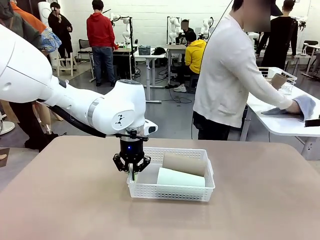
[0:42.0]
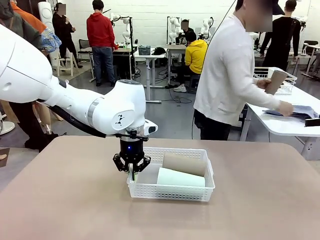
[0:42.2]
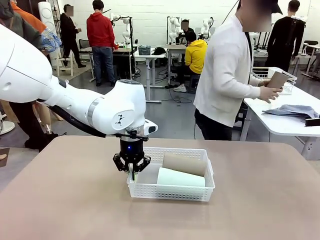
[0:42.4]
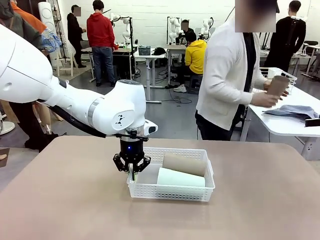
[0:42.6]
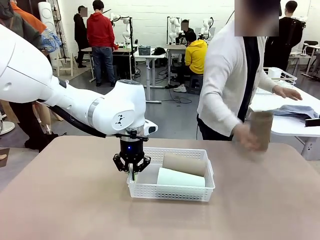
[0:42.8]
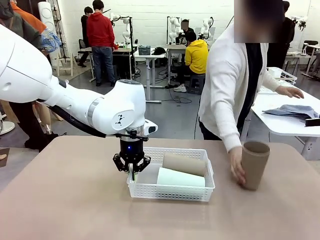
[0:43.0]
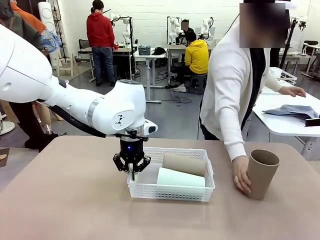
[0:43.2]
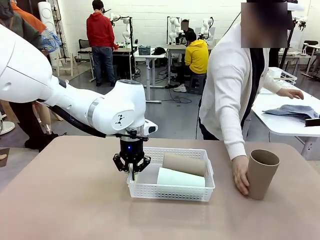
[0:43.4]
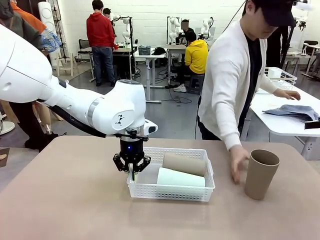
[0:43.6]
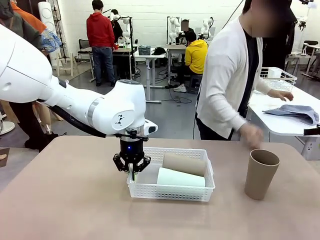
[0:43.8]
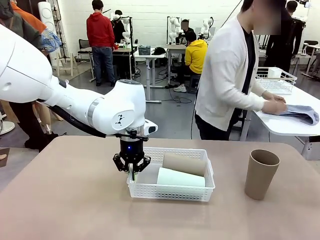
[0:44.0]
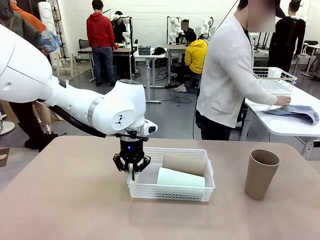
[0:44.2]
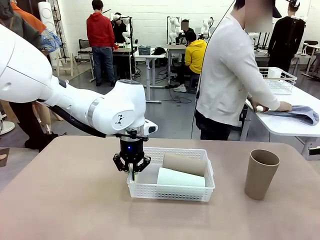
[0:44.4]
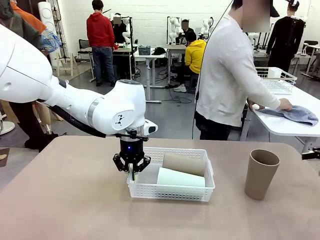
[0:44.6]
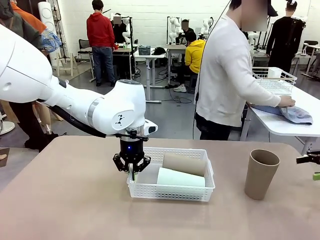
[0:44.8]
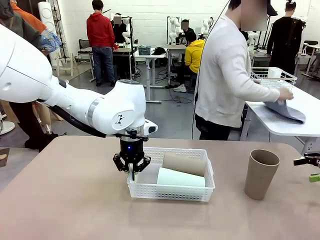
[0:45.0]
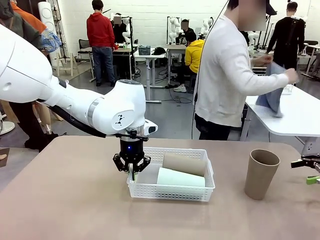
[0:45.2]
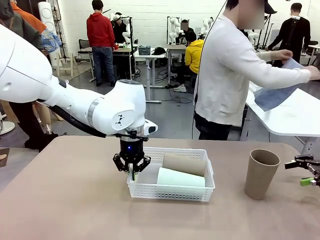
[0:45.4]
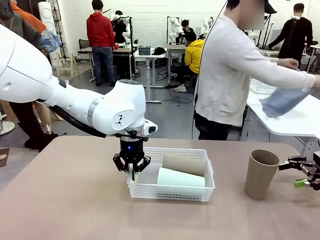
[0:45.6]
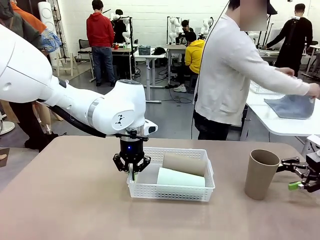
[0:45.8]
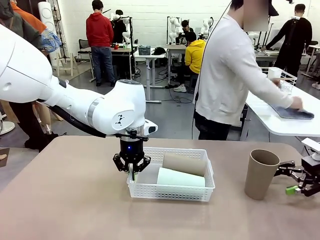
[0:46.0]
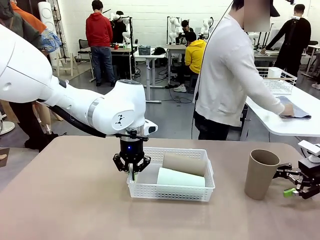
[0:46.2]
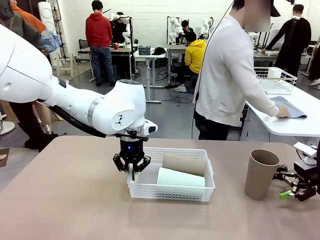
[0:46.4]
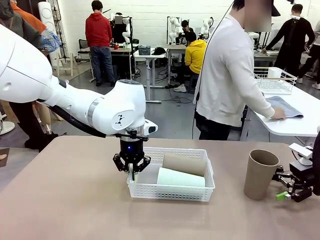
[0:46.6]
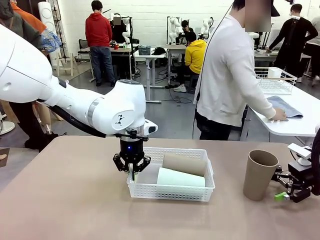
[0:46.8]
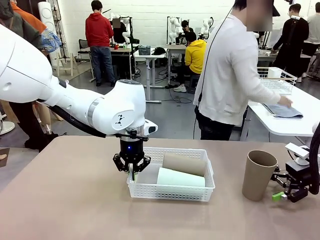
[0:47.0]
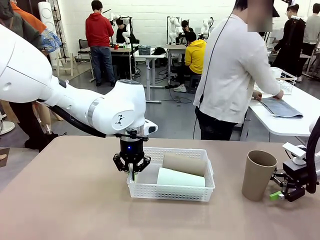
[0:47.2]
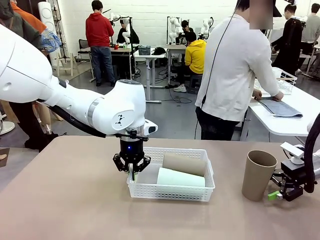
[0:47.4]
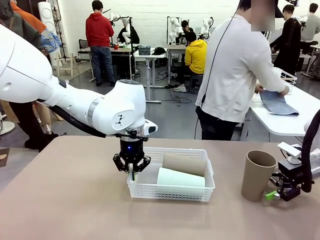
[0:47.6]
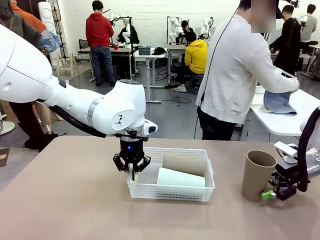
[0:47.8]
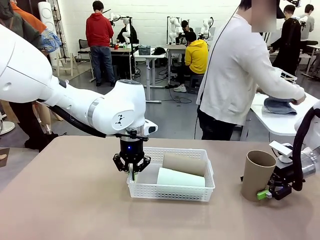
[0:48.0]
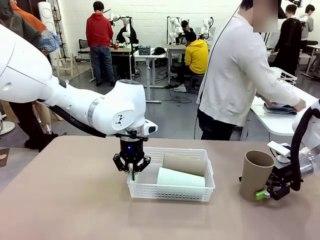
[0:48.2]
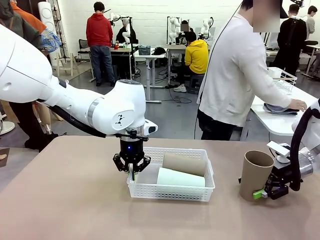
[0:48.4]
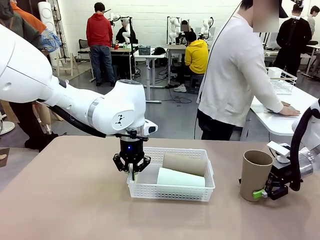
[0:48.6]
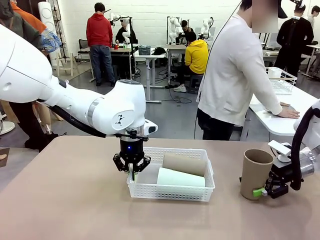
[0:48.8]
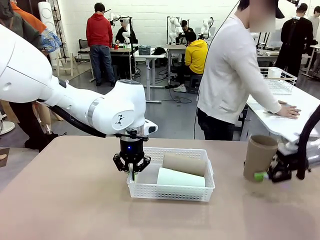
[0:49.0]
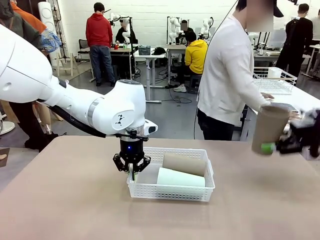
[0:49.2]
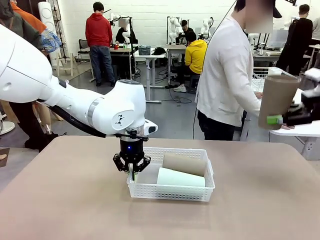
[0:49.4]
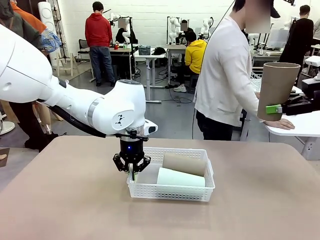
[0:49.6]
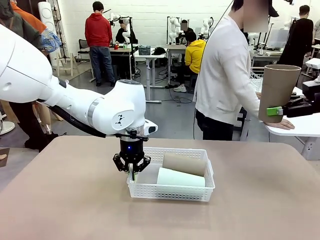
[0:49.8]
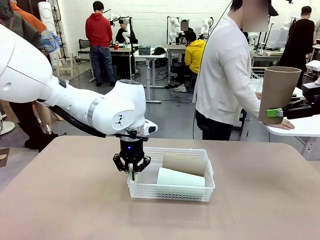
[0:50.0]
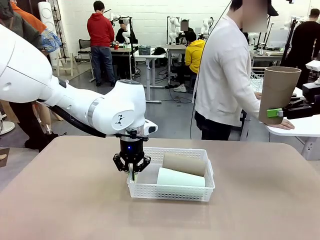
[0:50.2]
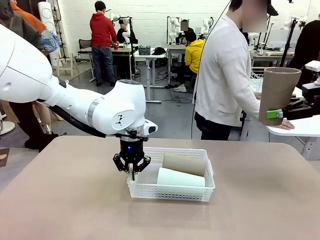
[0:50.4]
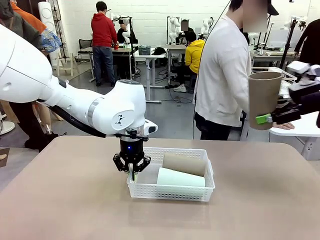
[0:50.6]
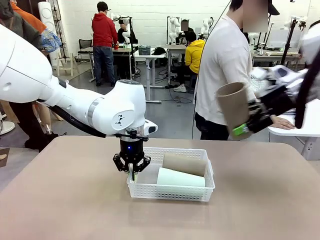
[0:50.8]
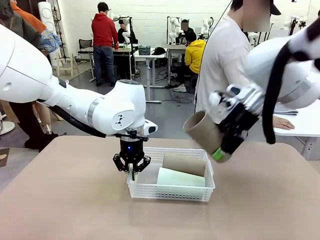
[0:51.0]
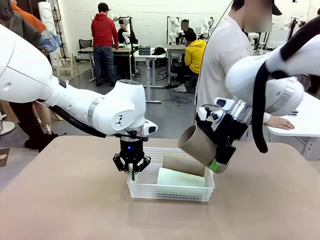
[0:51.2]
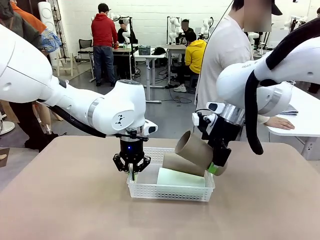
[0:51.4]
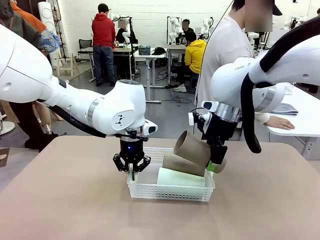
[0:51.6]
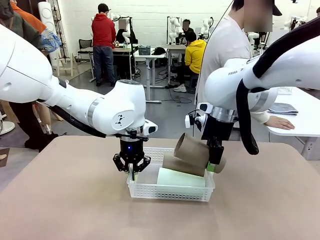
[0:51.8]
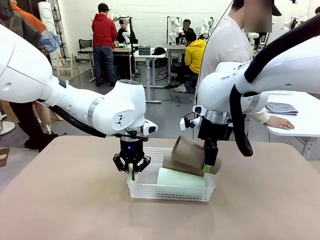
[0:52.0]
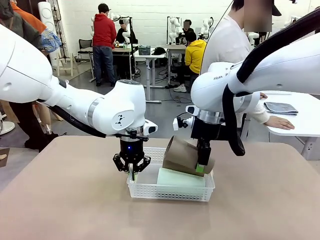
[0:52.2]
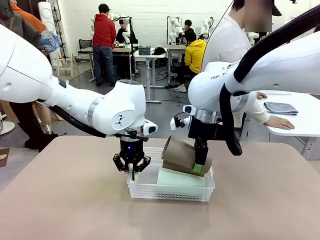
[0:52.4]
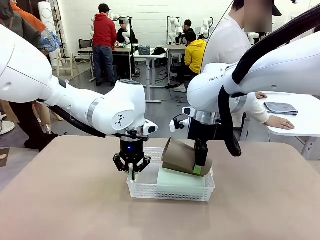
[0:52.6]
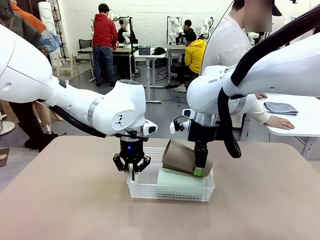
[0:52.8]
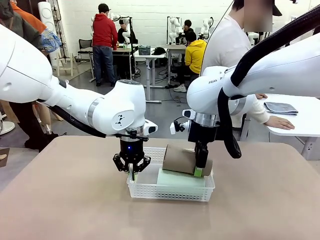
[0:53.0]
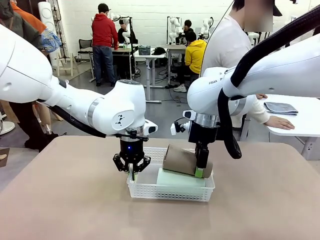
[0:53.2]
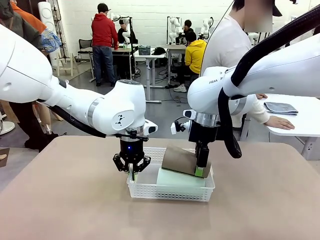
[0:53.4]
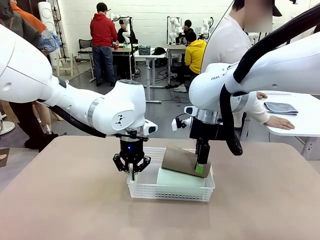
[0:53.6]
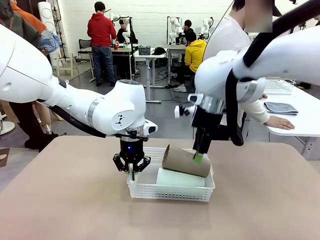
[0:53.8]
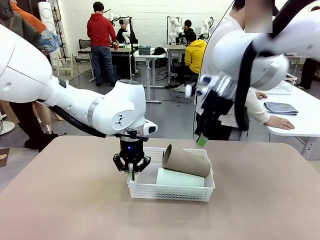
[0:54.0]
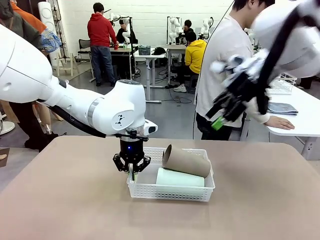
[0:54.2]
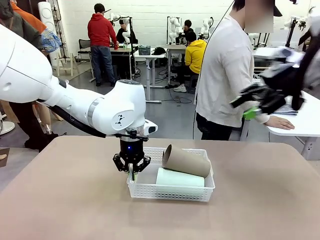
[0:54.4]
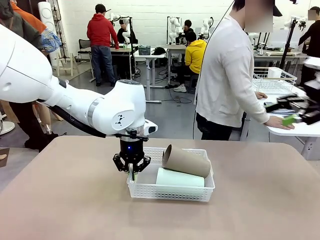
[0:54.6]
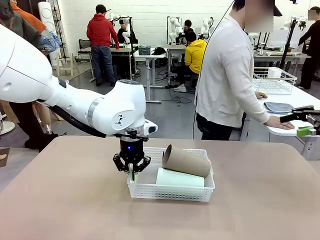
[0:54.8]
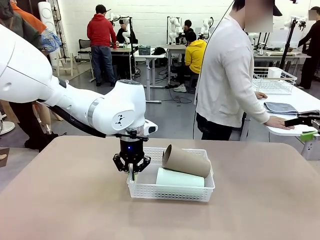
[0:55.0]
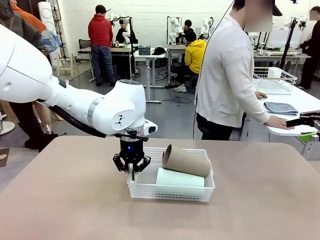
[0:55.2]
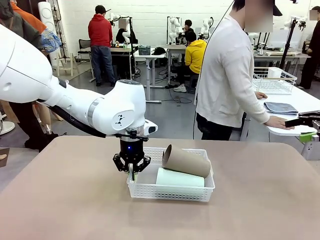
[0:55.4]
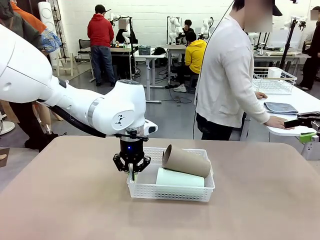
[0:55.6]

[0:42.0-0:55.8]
Task: Clean and organize the cups into the basket.
Robot: Pick up the Reusable plastic cup from the right side of the table and stack it inside the Organizing basket in the center of the table.
Person: Folds the towel in half twice and places it in the right of the table.

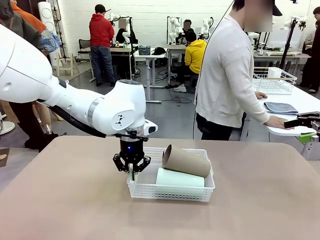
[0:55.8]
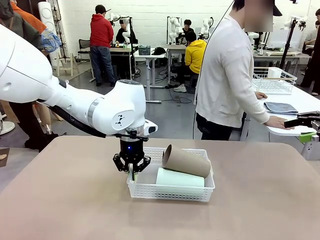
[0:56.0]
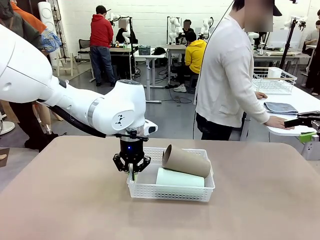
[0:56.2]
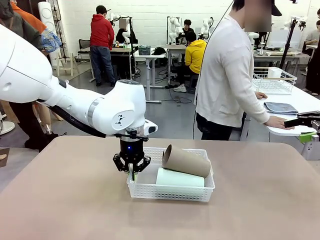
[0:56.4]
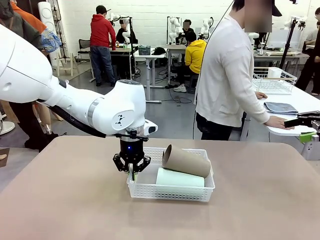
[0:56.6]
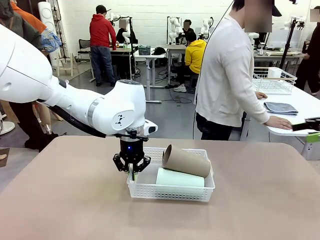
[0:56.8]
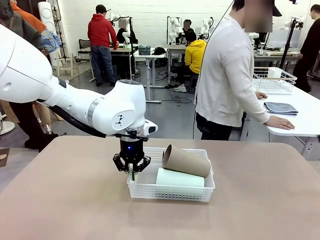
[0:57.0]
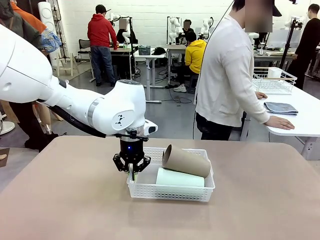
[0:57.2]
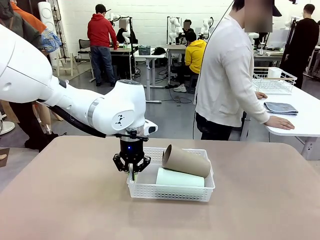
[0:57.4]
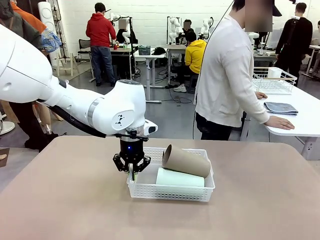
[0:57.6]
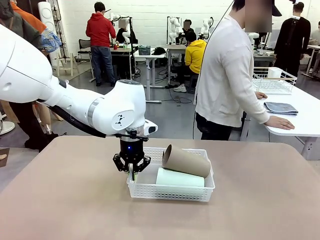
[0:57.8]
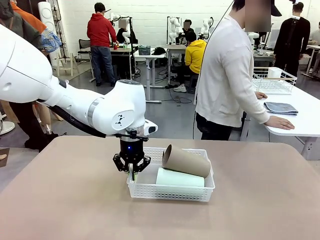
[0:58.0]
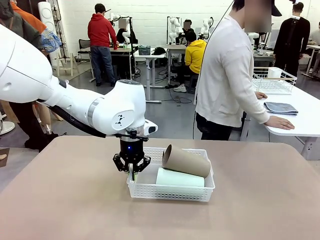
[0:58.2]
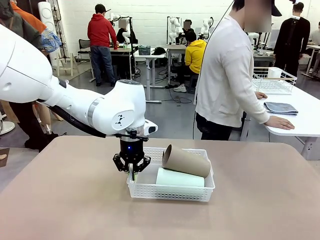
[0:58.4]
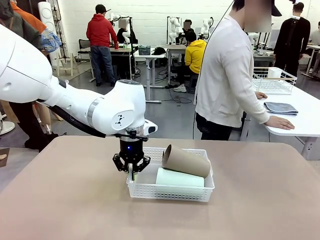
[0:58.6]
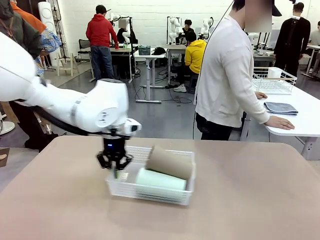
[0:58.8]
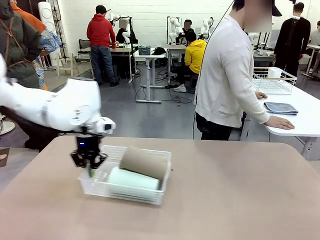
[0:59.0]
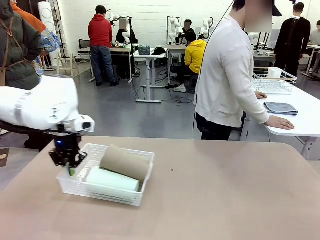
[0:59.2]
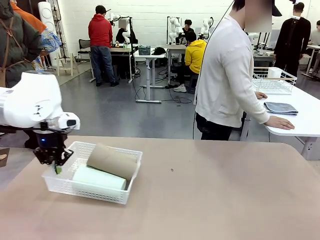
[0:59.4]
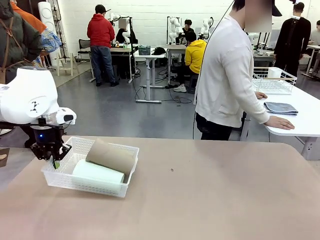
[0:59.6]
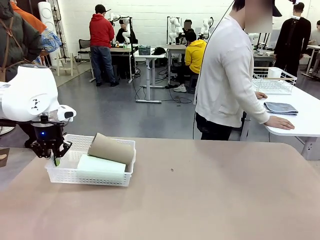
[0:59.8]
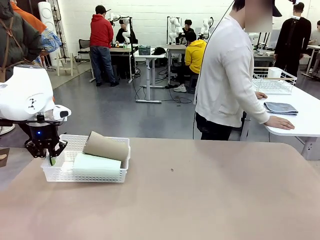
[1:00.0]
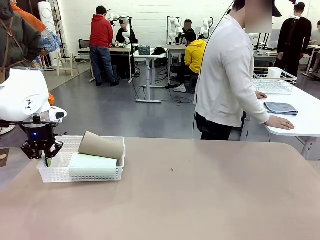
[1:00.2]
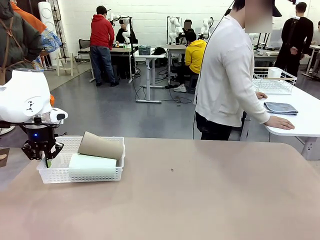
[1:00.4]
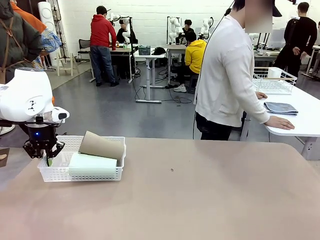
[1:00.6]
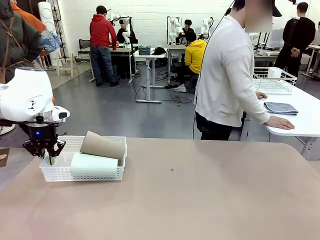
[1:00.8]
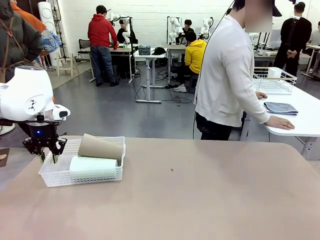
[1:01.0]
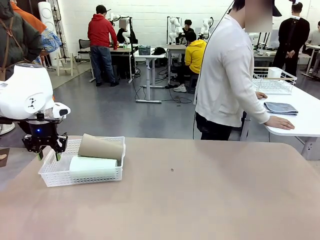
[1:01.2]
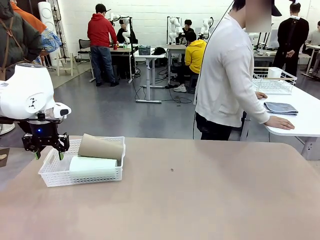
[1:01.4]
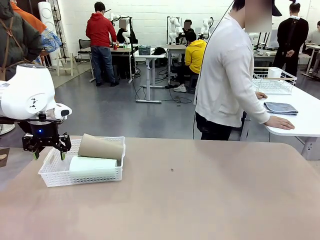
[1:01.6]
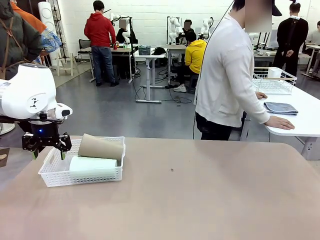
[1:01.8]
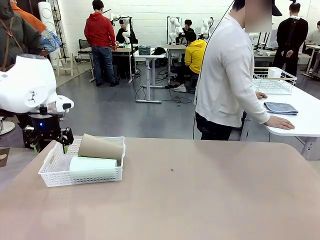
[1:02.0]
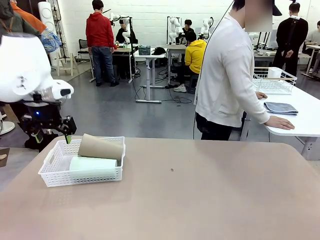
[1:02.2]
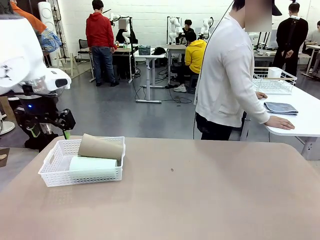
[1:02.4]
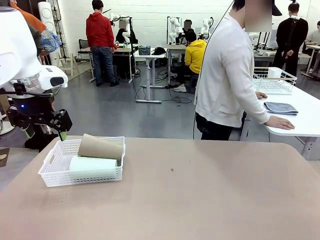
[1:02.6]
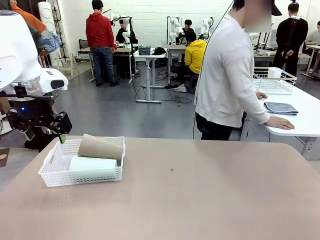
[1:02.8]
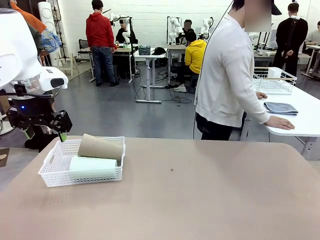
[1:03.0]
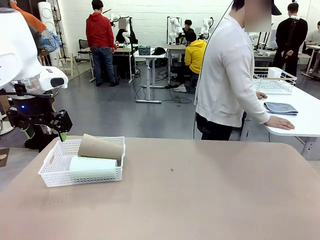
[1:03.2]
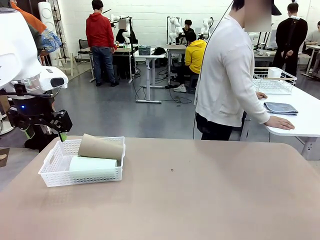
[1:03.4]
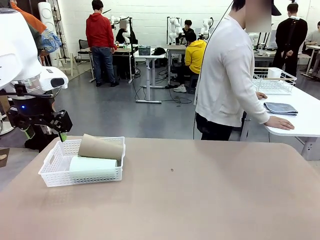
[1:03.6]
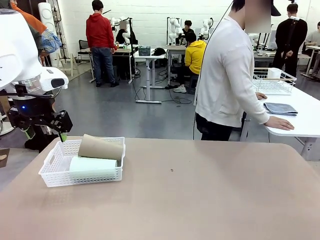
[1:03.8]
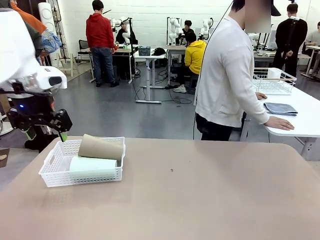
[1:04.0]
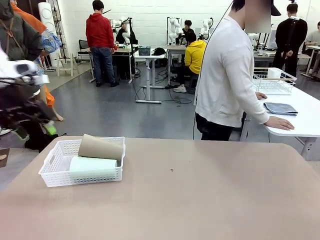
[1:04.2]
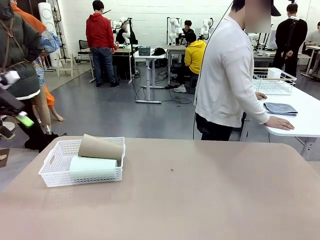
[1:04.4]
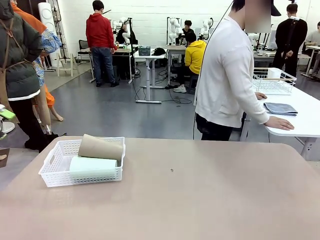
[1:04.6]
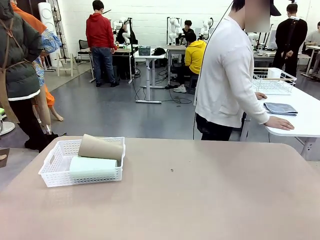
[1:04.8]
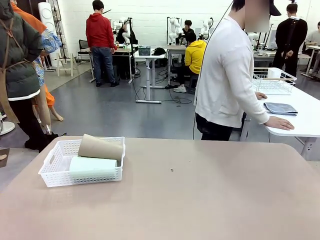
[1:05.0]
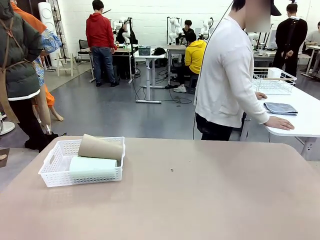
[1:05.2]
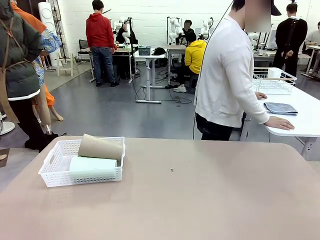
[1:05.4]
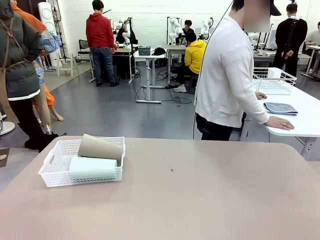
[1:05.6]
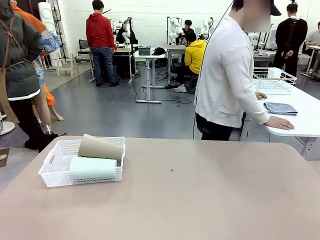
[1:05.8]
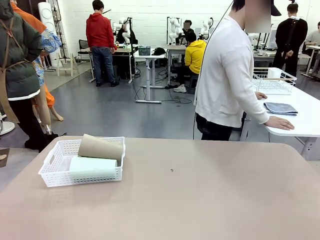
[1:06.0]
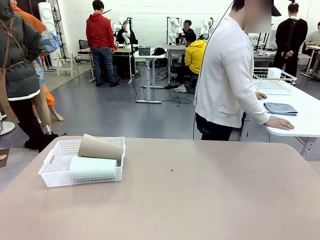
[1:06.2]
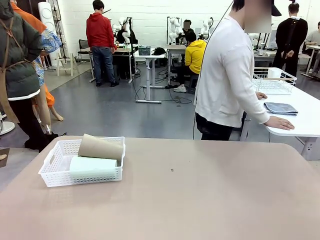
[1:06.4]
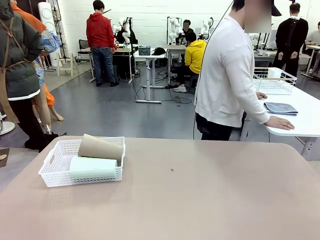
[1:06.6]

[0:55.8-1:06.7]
Robot: Move the Organizing basket back to the left side of the table.
